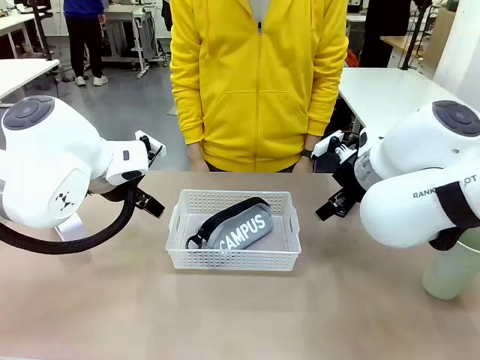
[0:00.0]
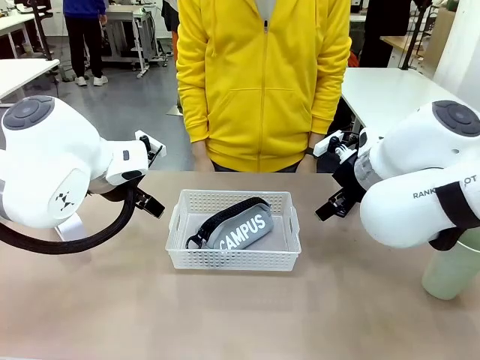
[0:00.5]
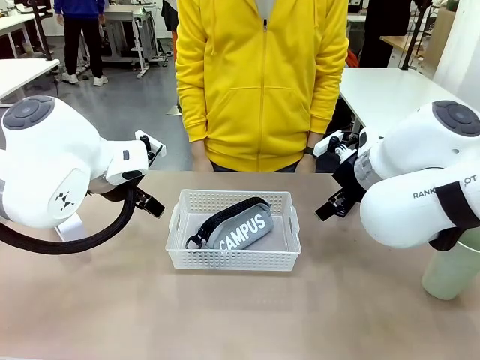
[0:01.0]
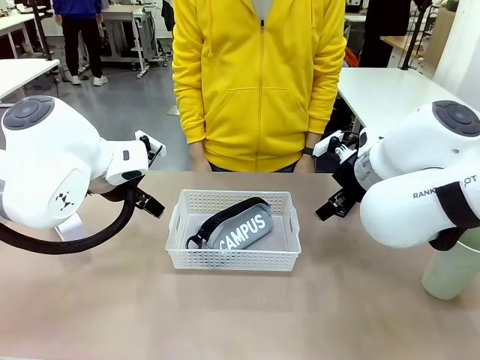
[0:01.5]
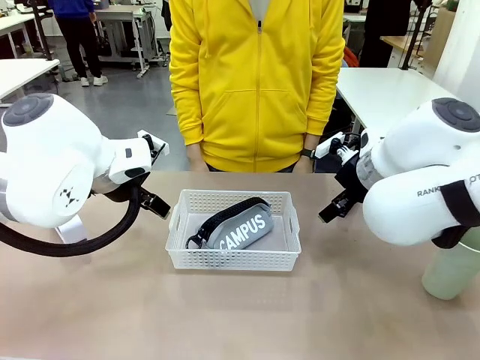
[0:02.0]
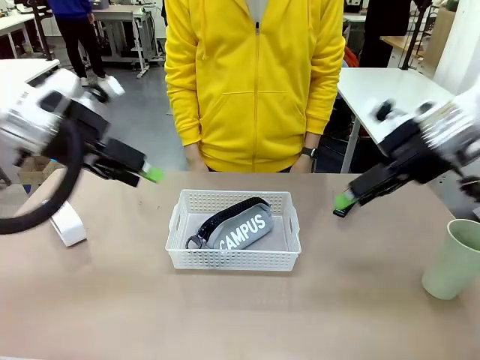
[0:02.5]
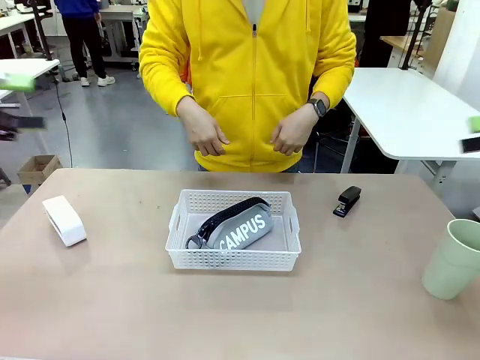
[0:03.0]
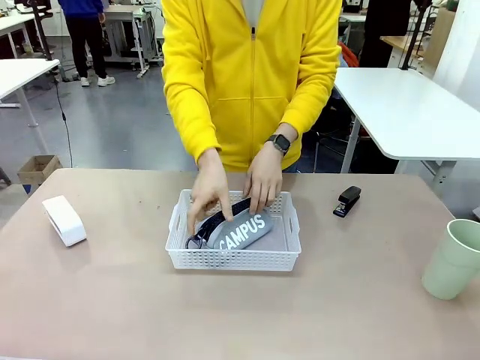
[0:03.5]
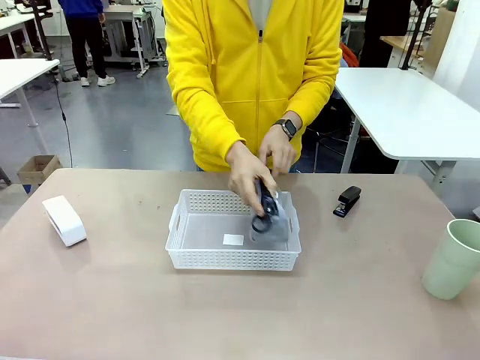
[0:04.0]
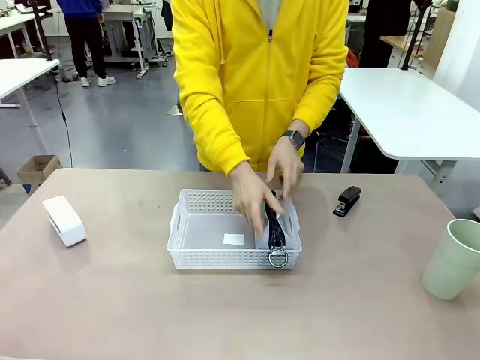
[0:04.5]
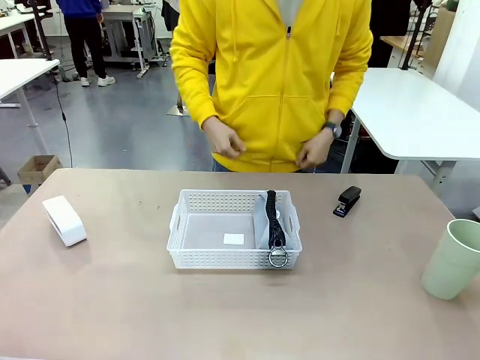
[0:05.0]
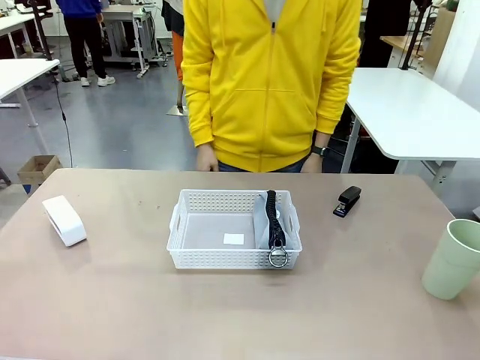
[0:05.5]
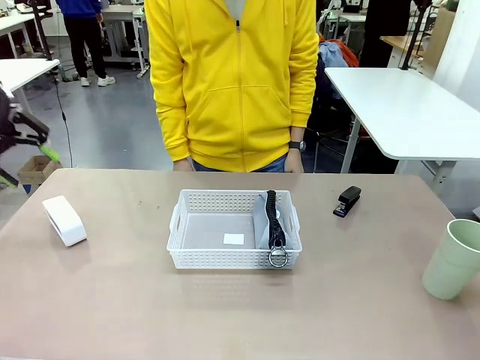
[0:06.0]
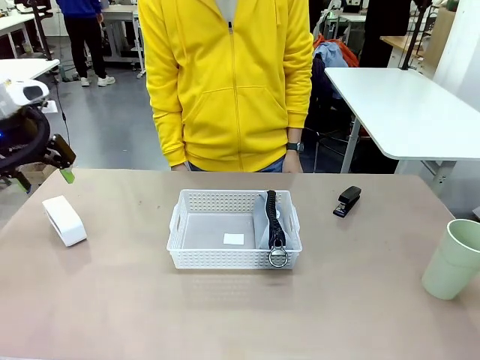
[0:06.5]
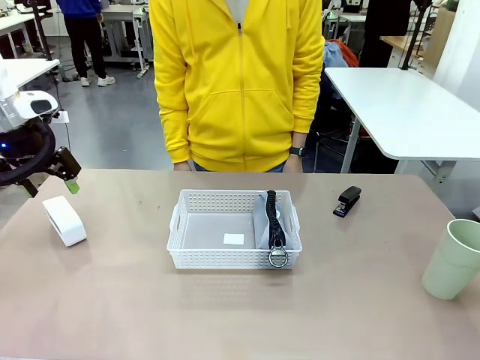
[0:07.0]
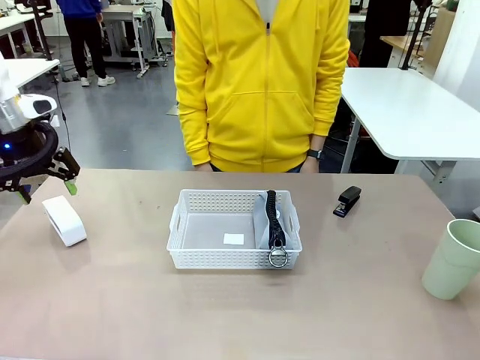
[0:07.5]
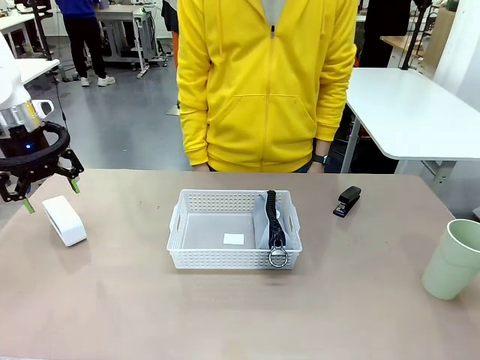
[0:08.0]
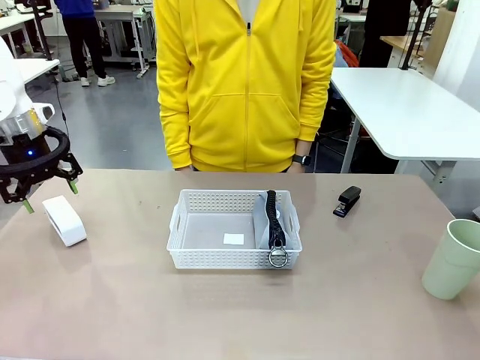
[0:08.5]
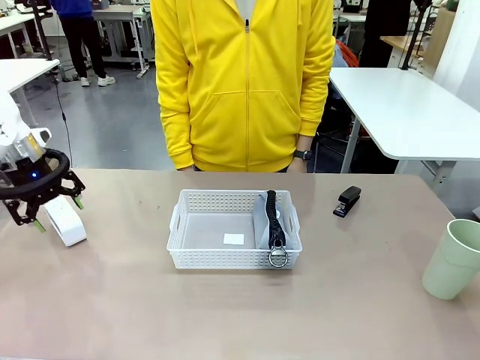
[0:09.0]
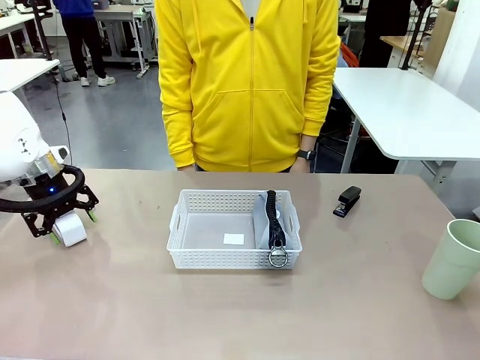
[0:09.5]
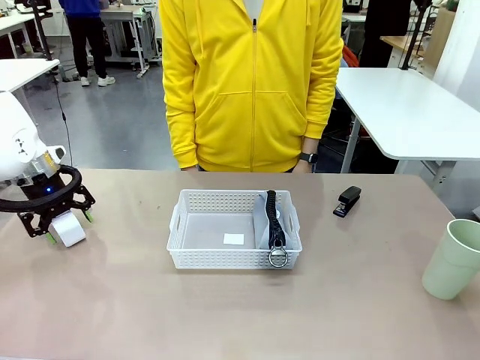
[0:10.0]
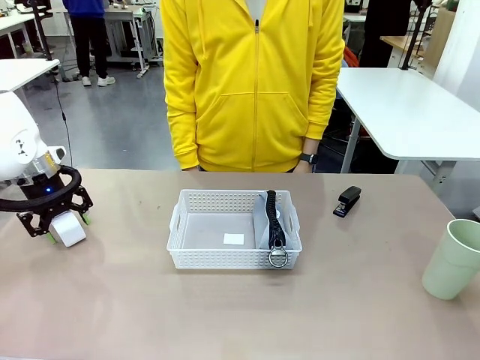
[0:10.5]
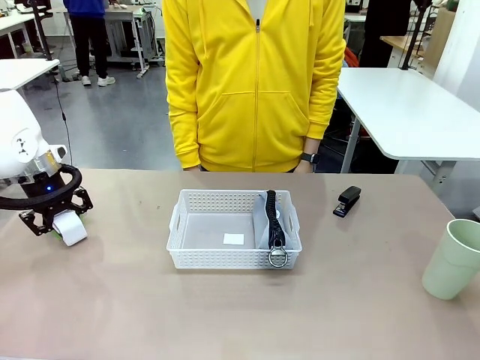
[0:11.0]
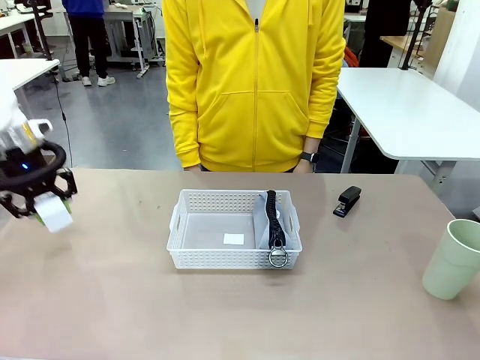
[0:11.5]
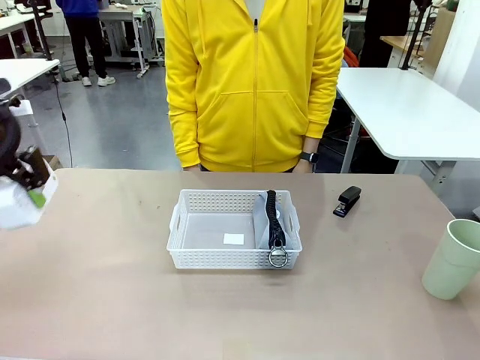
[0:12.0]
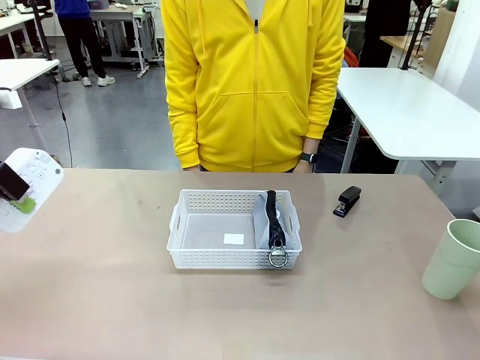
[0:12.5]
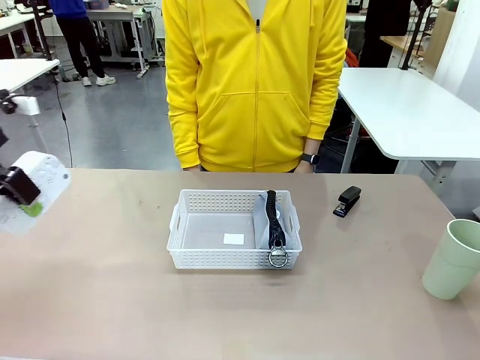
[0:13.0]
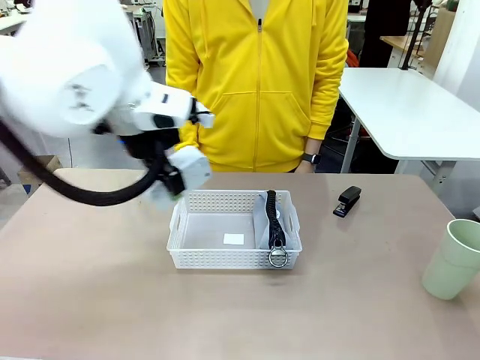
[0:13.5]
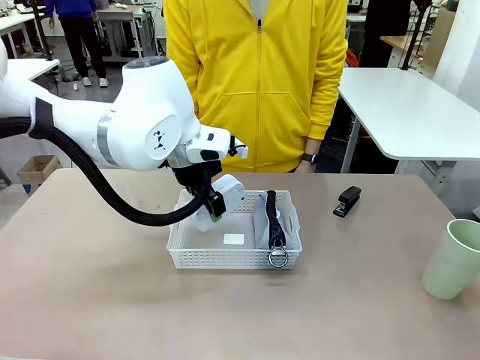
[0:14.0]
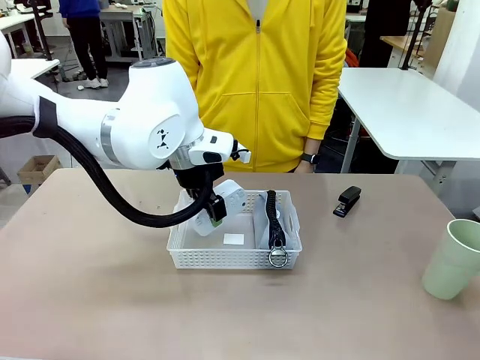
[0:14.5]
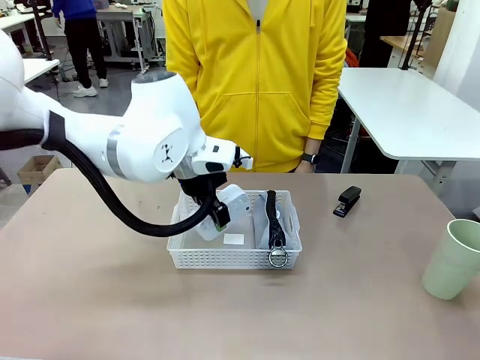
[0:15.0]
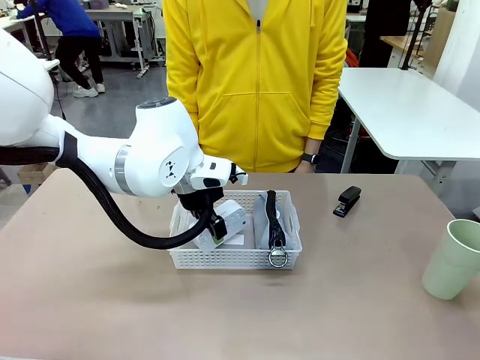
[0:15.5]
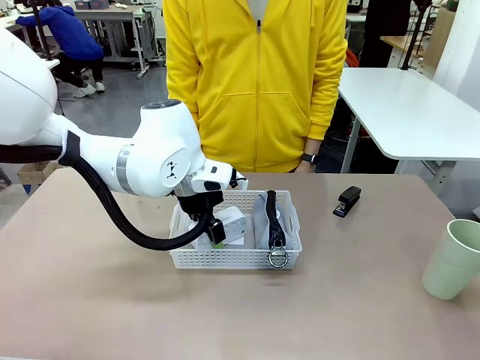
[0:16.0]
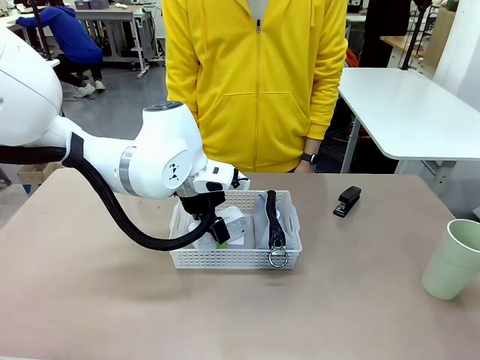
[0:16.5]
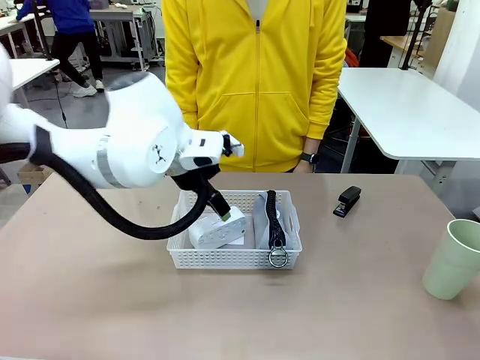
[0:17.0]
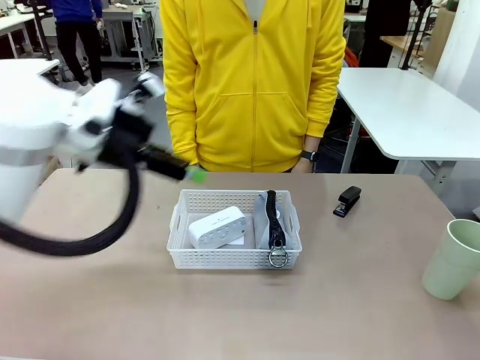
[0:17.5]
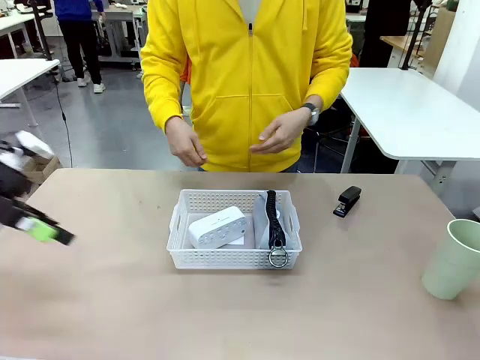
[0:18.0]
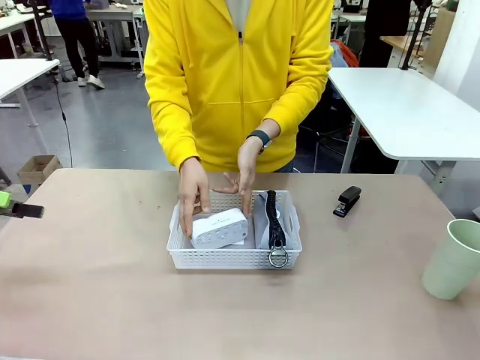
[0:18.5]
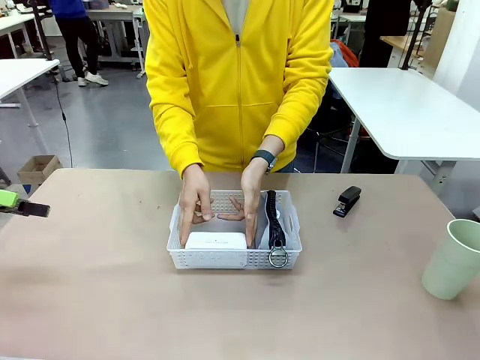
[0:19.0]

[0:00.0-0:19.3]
Task: Efficiently arrange items inside the basket to fit them all.
Robot: Pick up the Digital clock and place it inside the Organizing basket.
Person: Repositions the pencil case. Repositions the digital clock.
